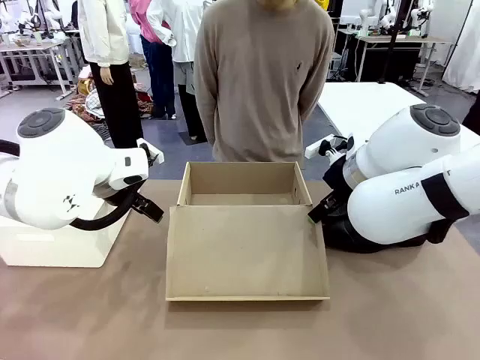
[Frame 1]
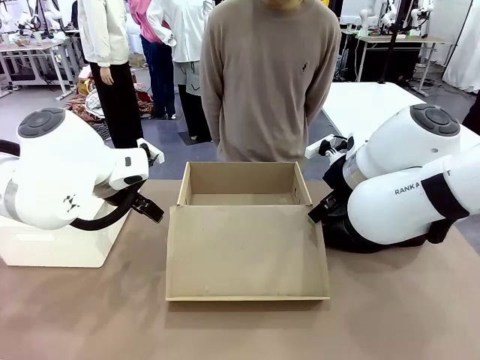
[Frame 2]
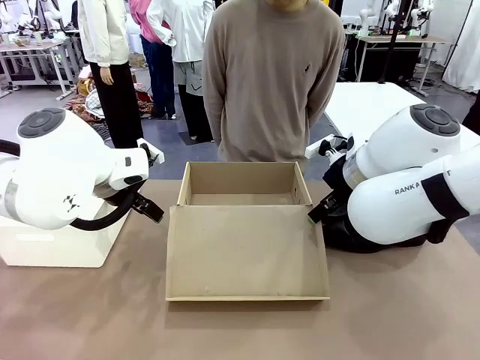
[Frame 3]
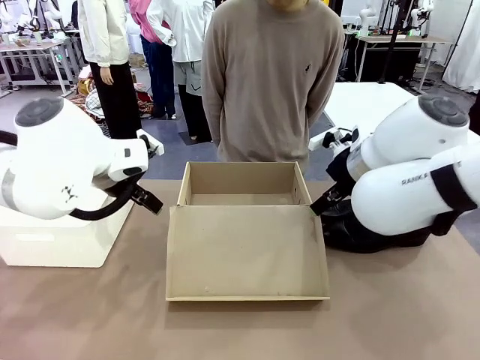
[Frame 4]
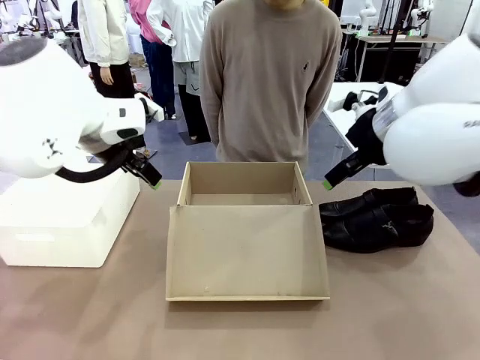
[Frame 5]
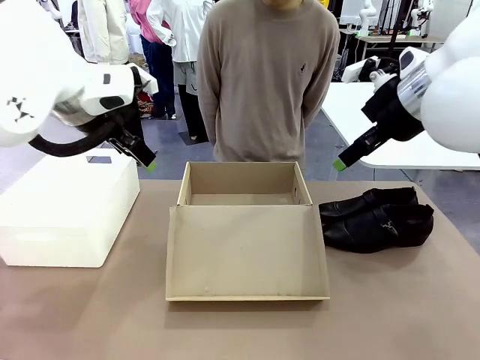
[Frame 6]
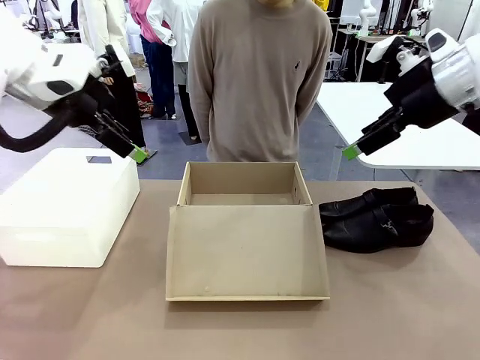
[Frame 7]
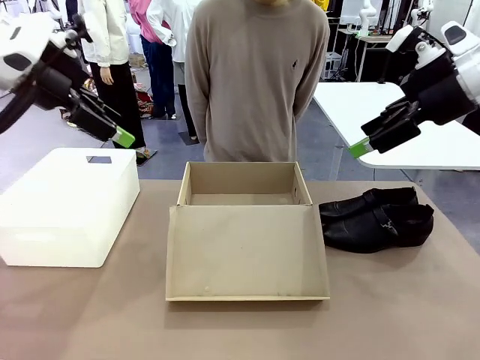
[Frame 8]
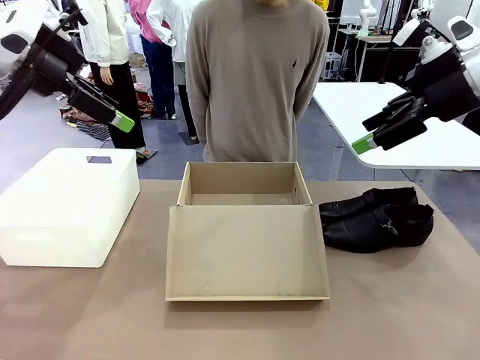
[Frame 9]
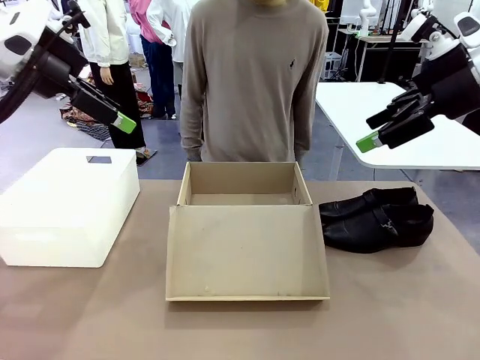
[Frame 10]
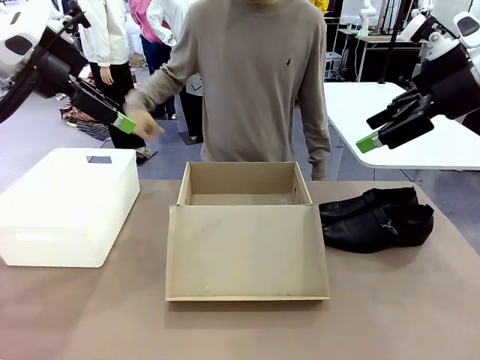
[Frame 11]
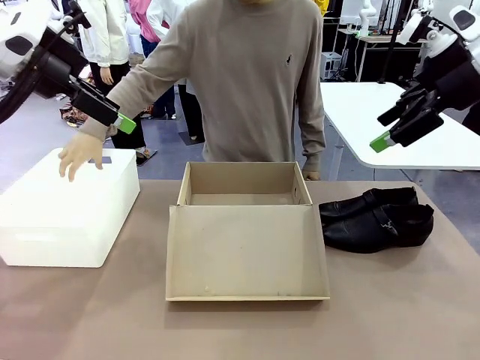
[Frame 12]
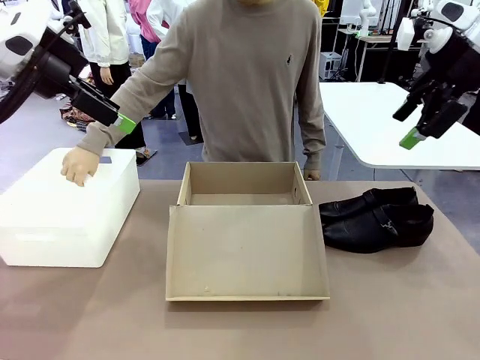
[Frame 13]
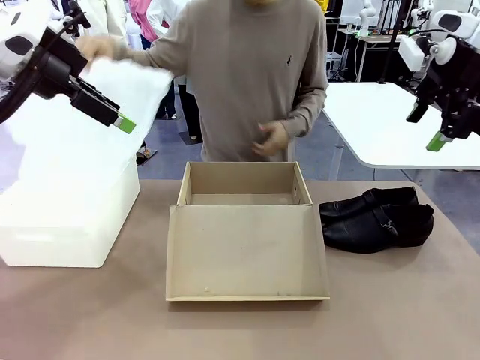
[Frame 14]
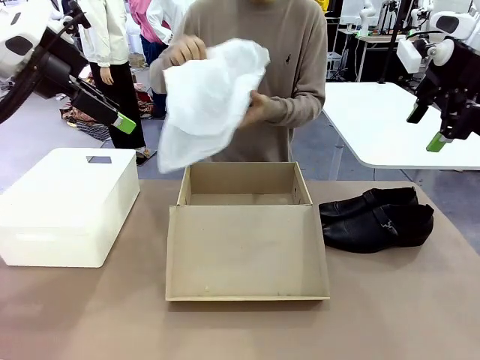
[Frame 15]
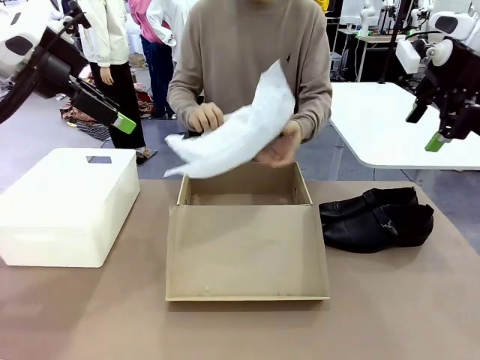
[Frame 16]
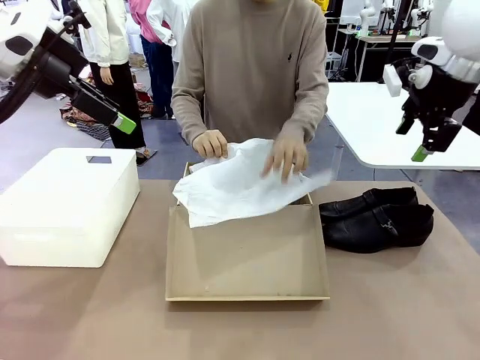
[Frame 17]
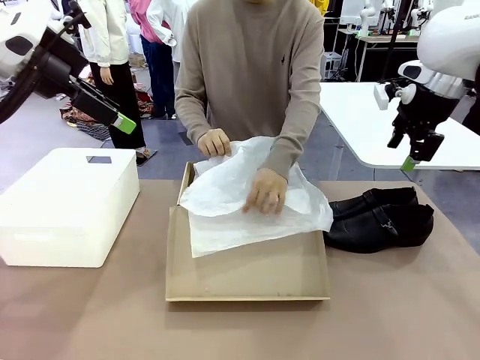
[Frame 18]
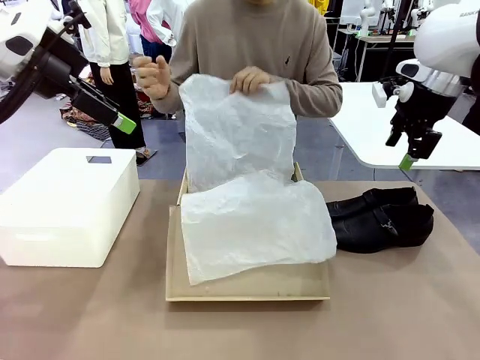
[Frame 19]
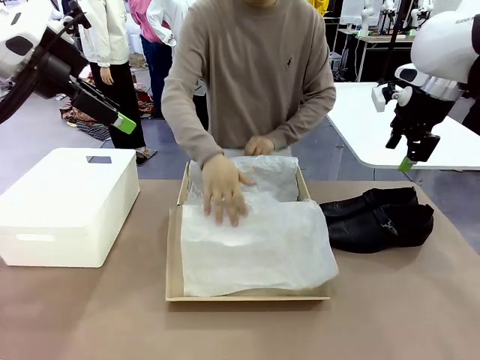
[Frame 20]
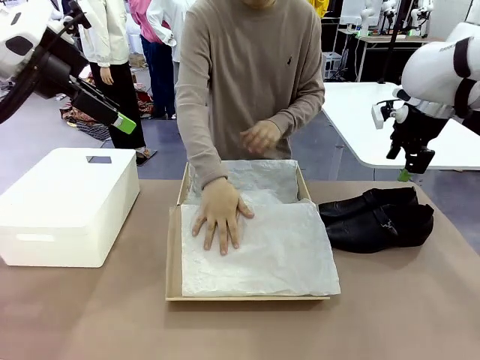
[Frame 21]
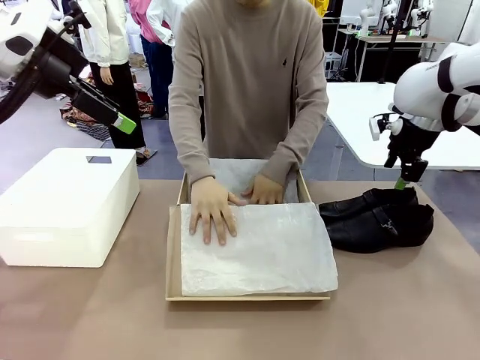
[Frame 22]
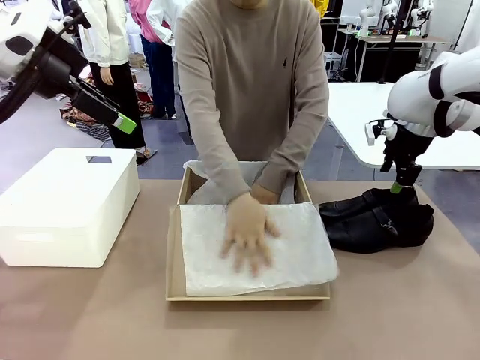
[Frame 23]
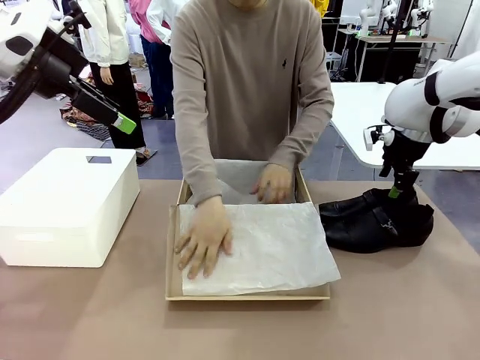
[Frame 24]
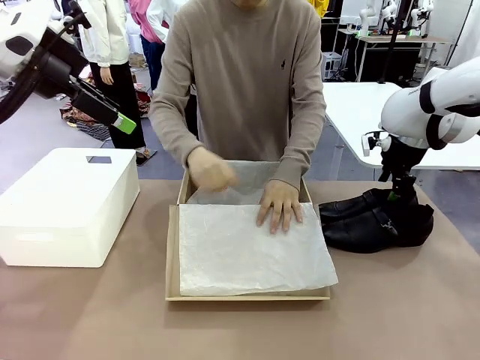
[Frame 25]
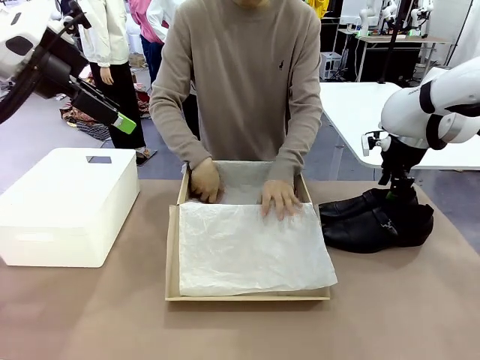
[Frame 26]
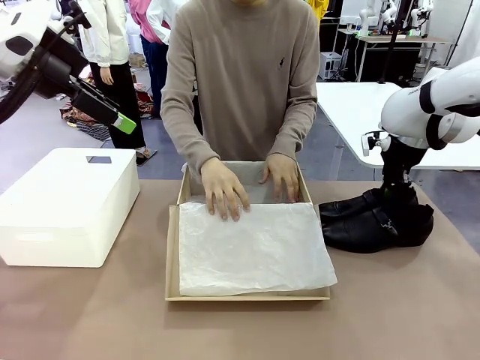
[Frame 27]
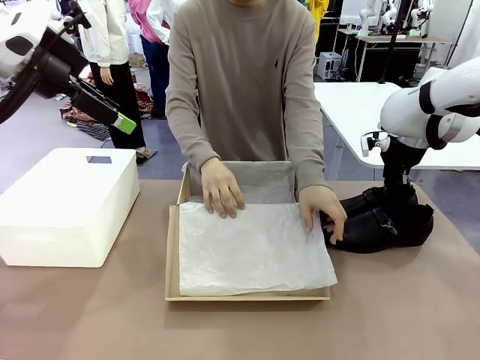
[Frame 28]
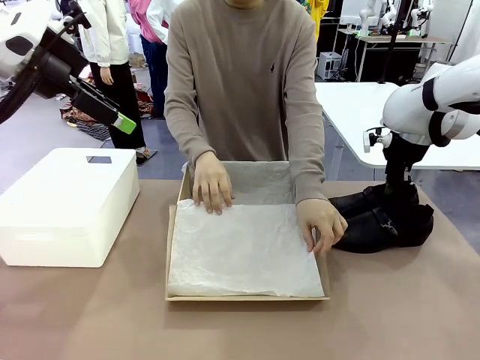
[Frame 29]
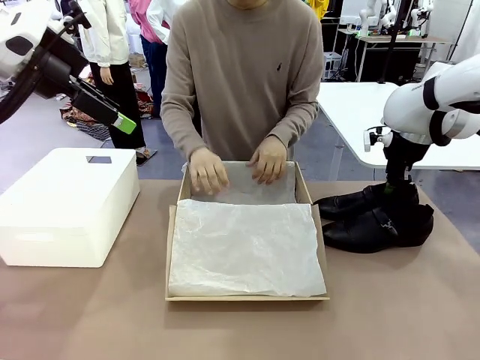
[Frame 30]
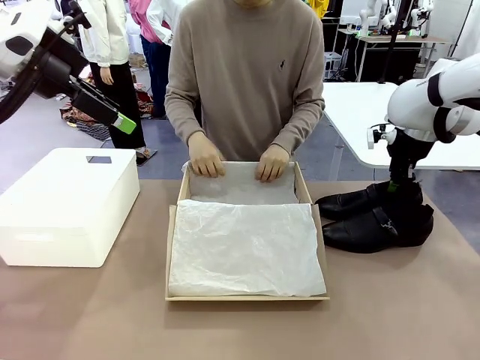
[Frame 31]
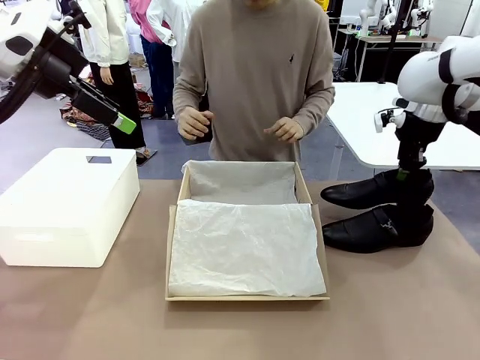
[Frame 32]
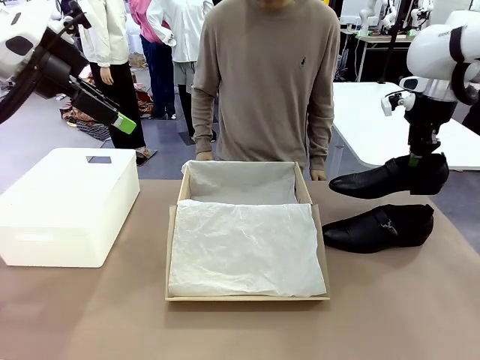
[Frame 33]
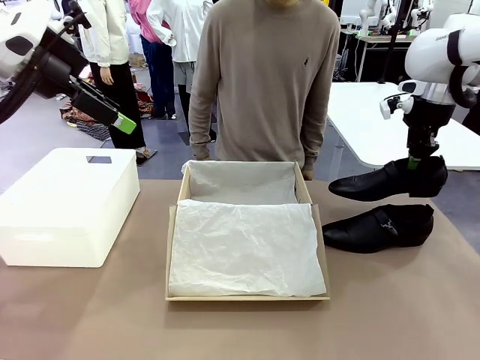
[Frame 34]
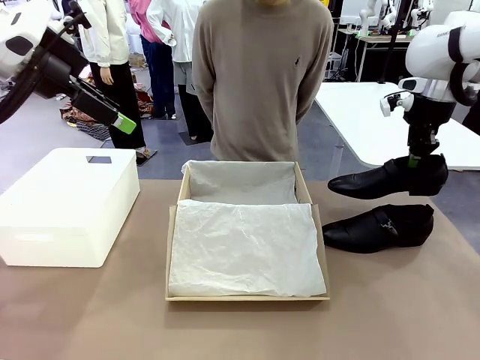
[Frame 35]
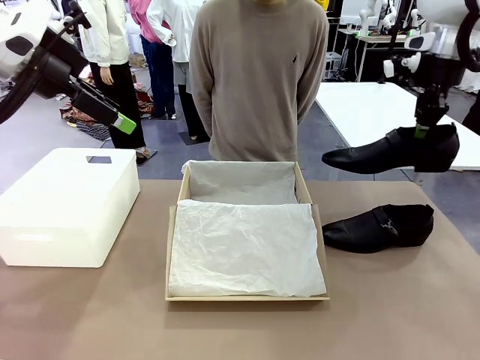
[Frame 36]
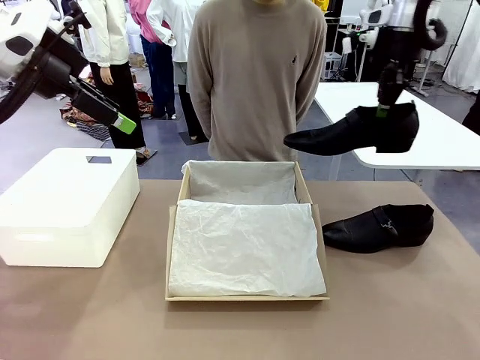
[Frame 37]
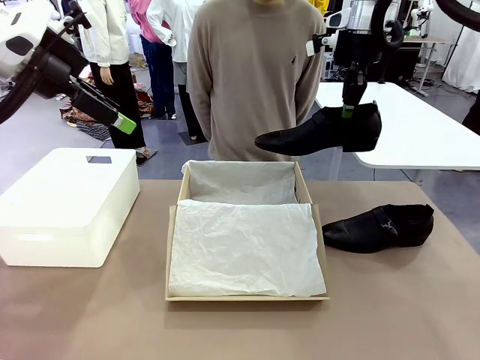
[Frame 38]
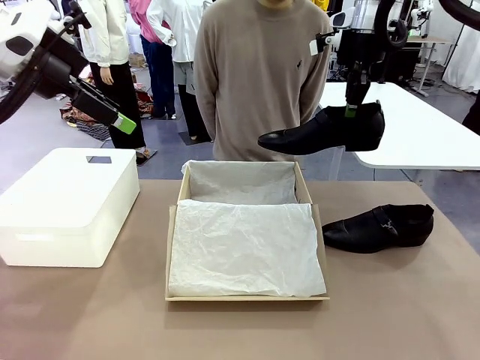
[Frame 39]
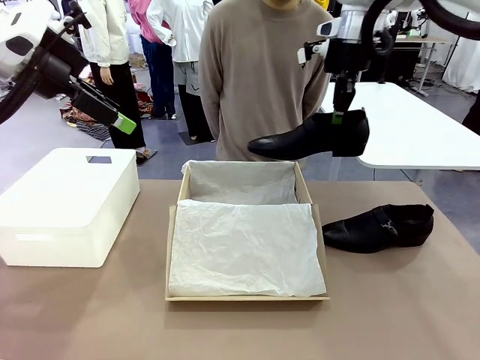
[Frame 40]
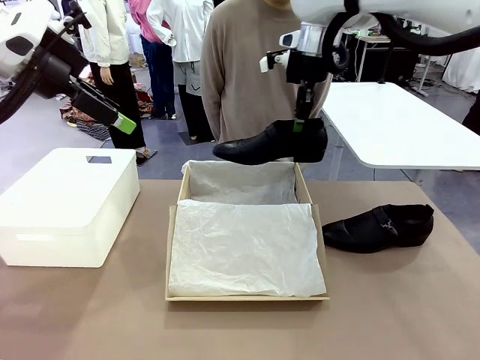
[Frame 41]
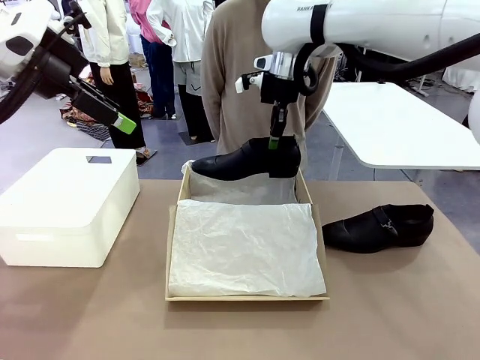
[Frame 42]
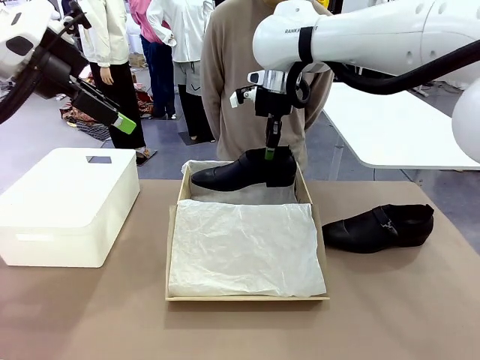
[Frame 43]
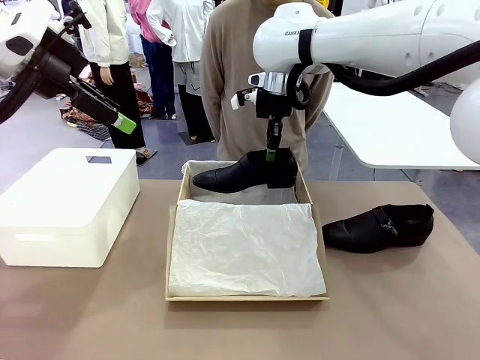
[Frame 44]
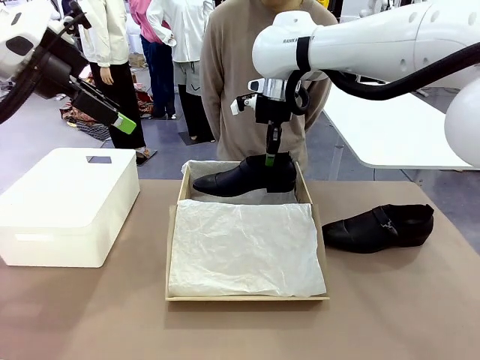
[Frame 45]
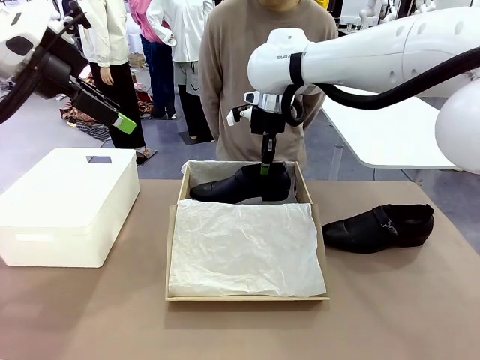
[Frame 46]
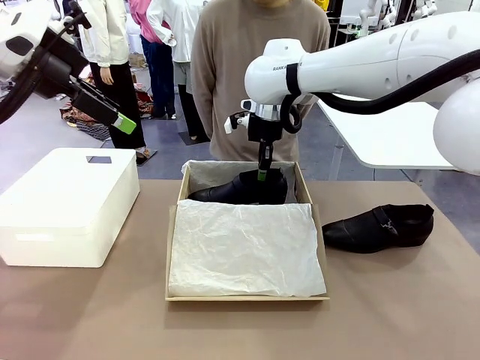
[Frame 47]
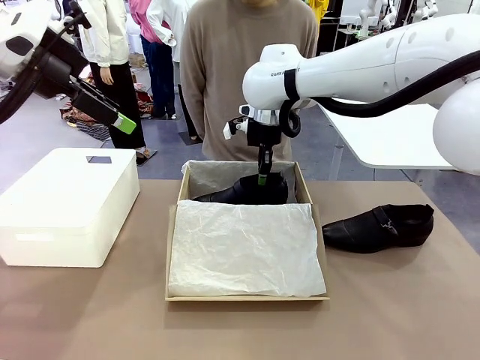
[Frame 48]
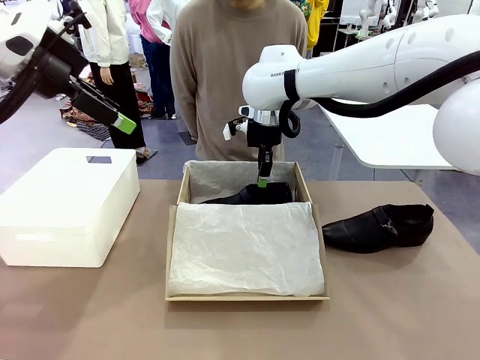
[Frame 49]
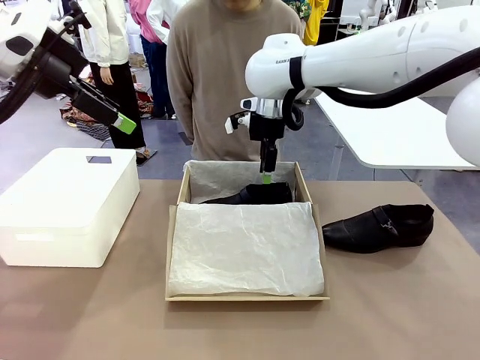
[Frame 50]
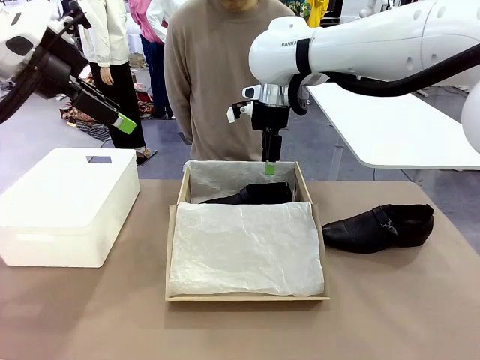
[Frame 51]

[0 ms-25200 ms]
Task: Pack the shoes into the box.
Robot: Place one shoe of the Shoes into the Shoes Box.
Person: Spread Shoes Wrapping Paper and place inside the Shoes Box.
